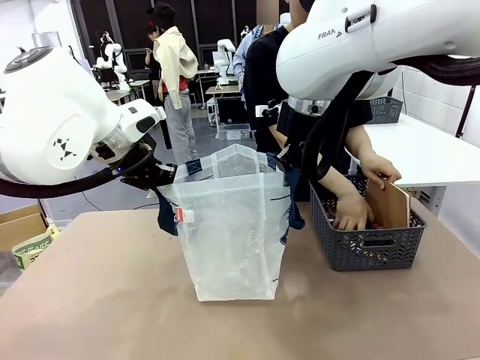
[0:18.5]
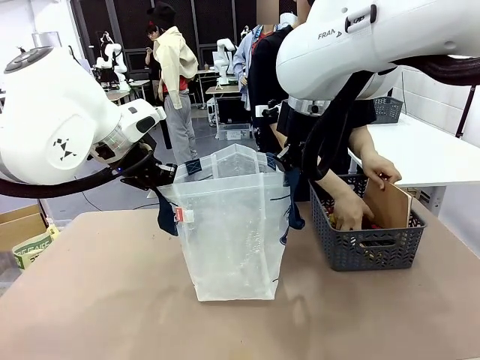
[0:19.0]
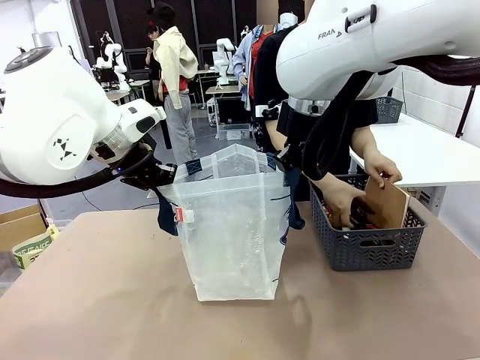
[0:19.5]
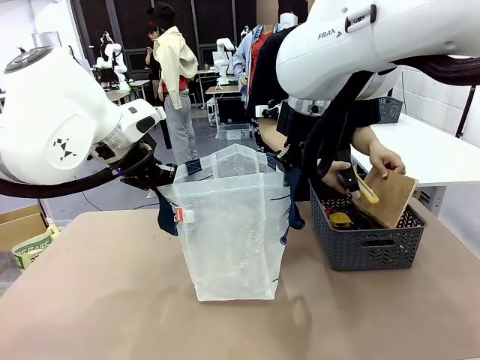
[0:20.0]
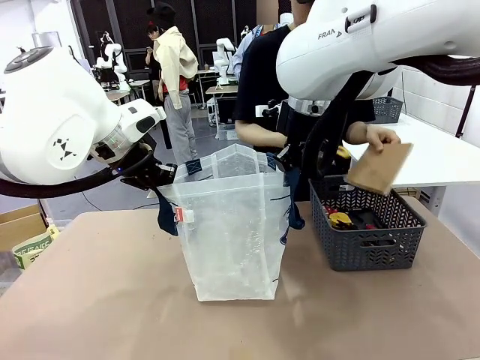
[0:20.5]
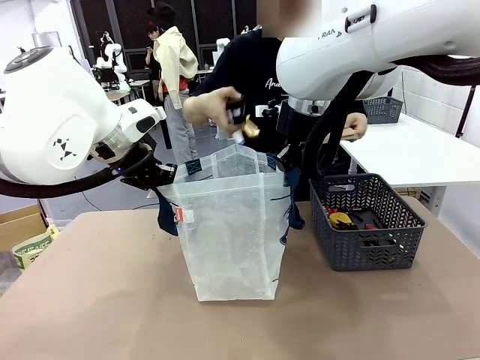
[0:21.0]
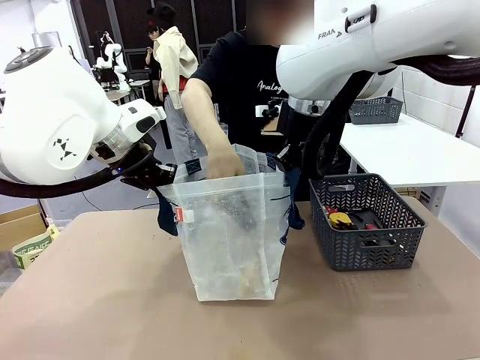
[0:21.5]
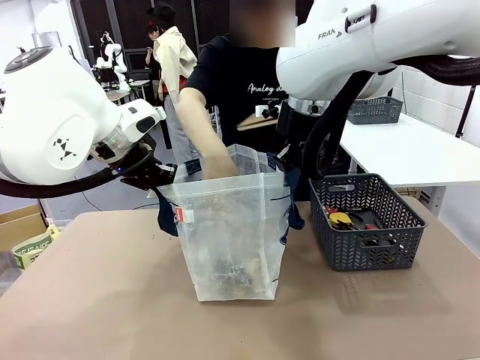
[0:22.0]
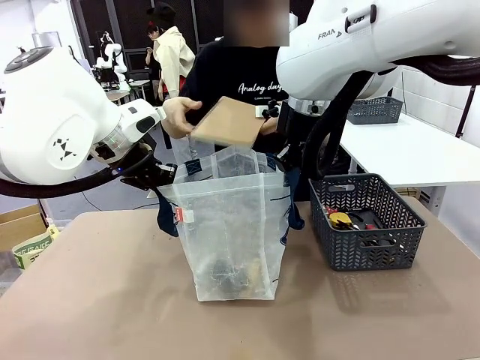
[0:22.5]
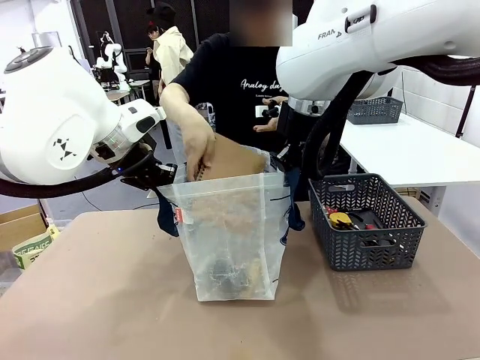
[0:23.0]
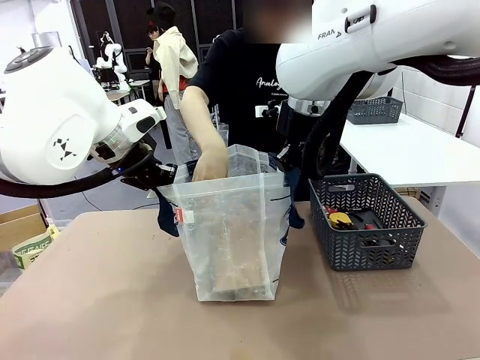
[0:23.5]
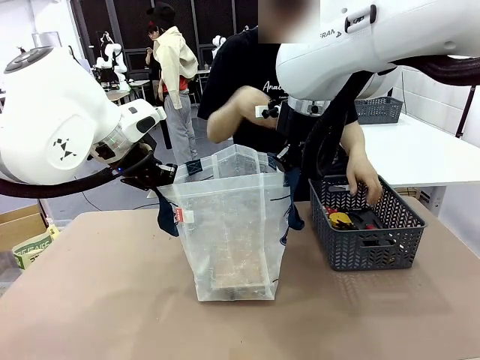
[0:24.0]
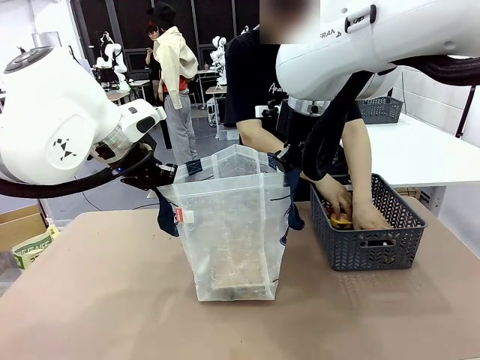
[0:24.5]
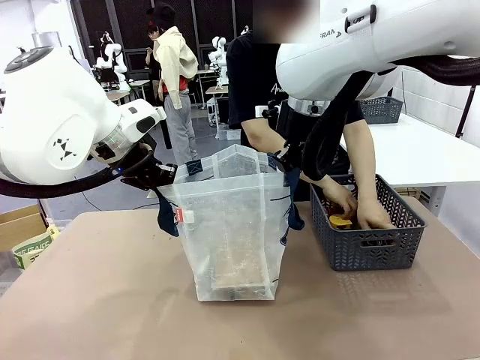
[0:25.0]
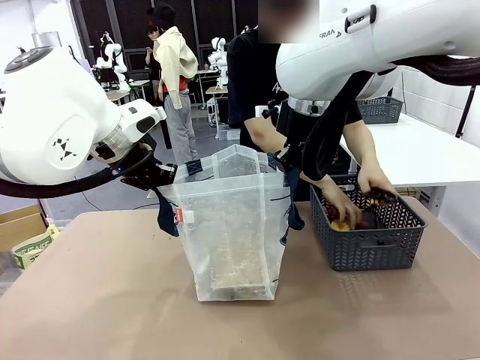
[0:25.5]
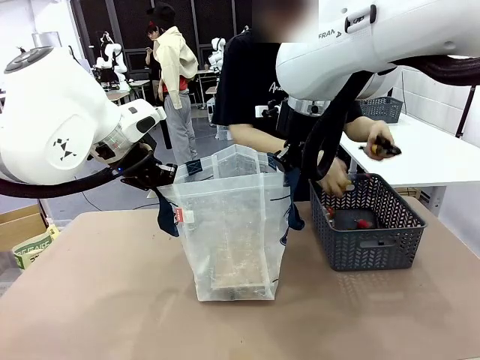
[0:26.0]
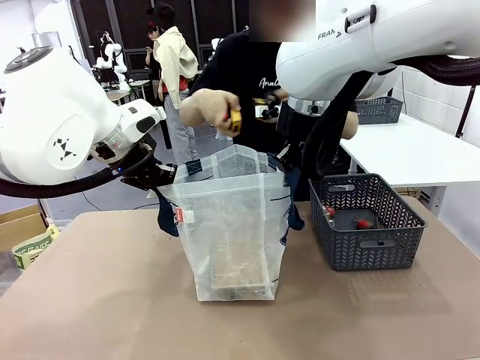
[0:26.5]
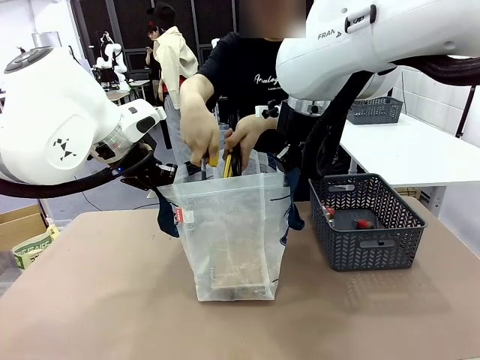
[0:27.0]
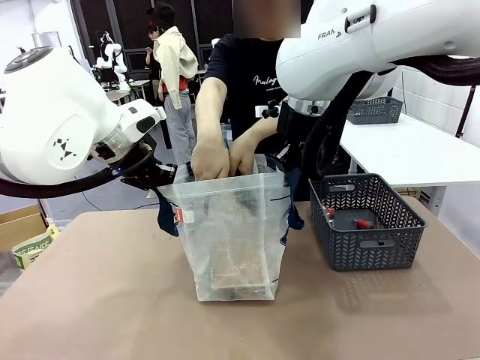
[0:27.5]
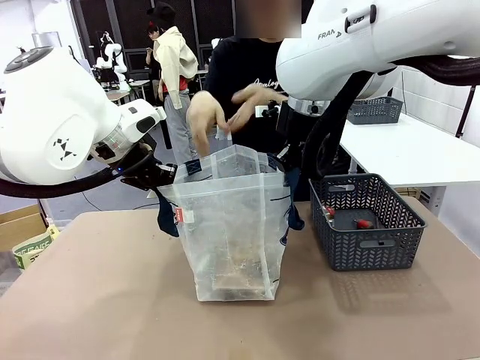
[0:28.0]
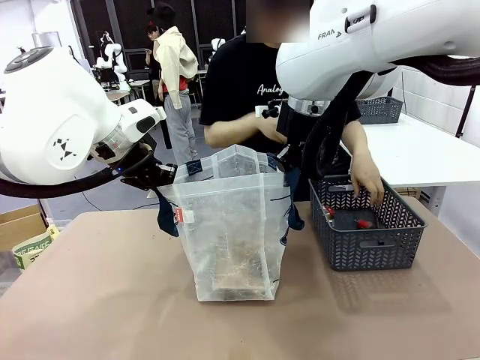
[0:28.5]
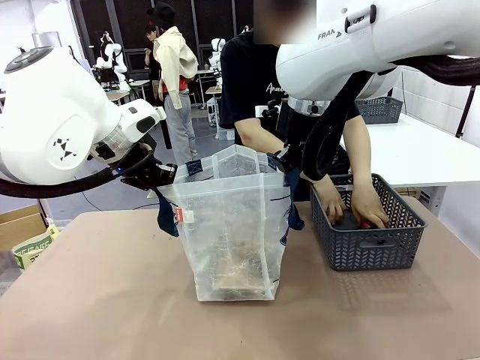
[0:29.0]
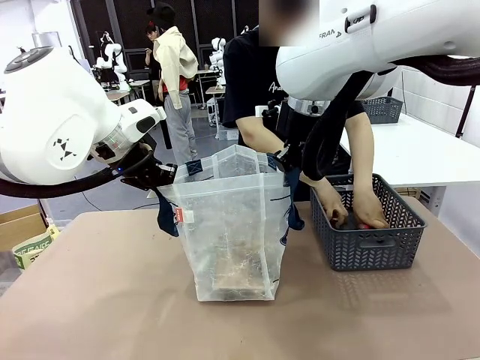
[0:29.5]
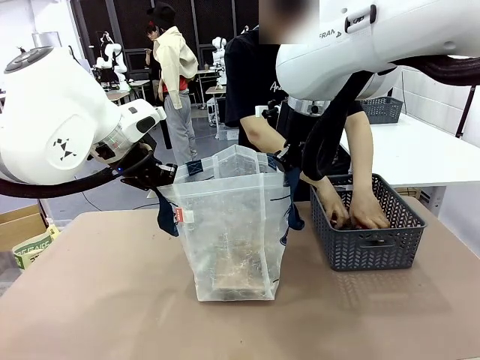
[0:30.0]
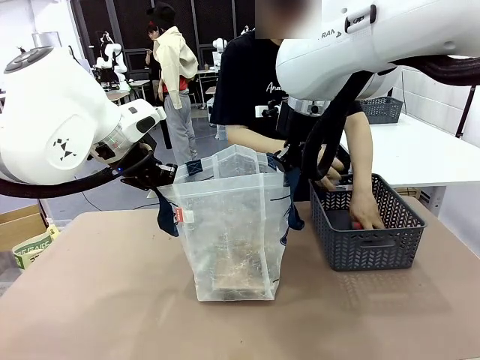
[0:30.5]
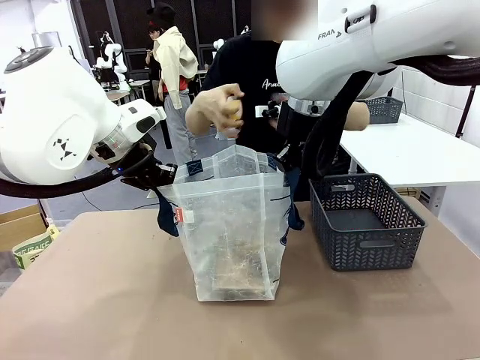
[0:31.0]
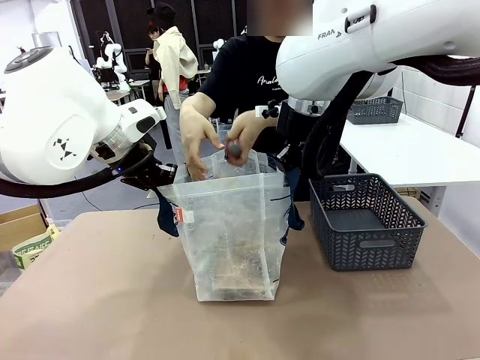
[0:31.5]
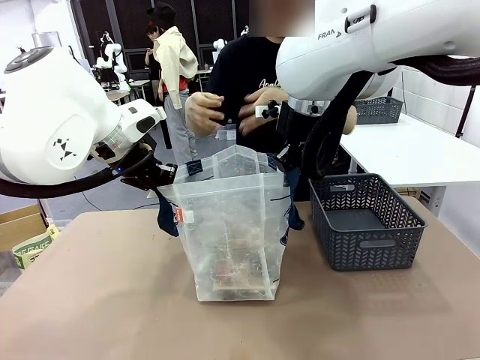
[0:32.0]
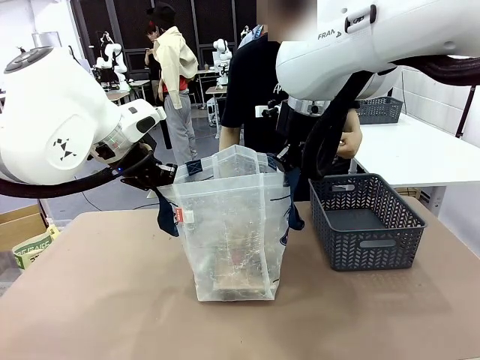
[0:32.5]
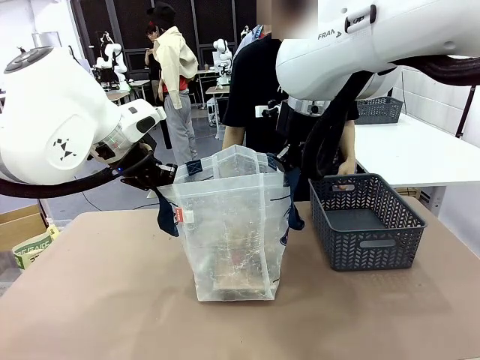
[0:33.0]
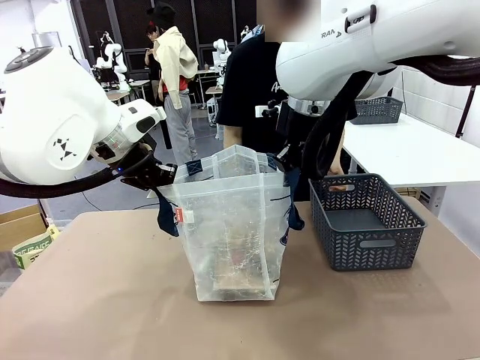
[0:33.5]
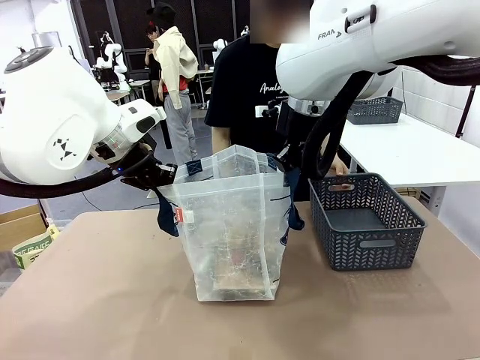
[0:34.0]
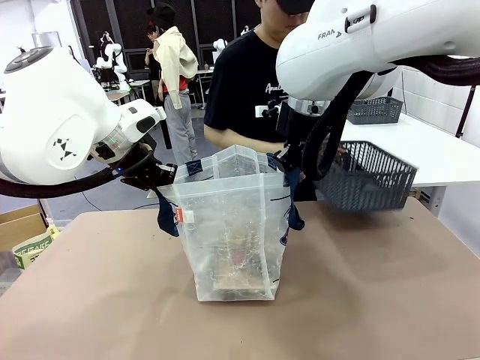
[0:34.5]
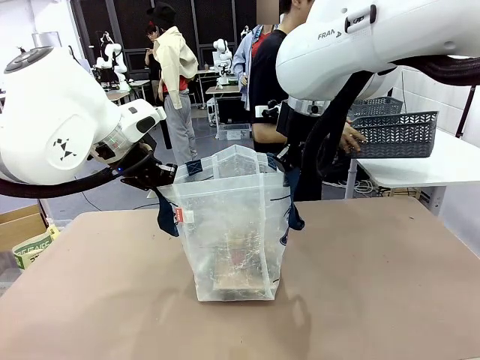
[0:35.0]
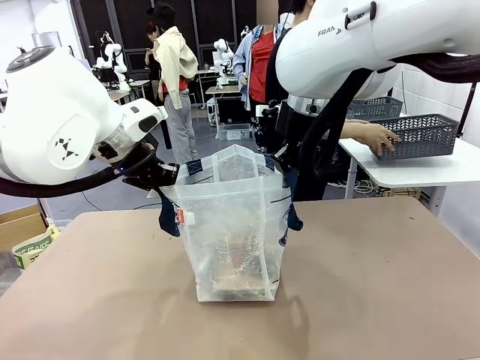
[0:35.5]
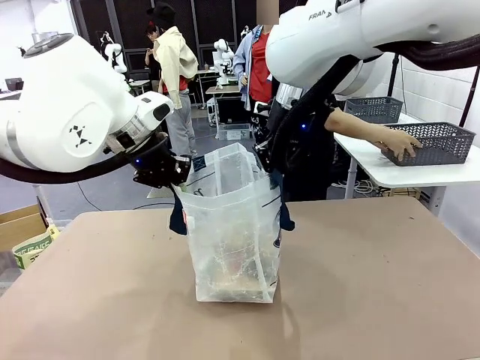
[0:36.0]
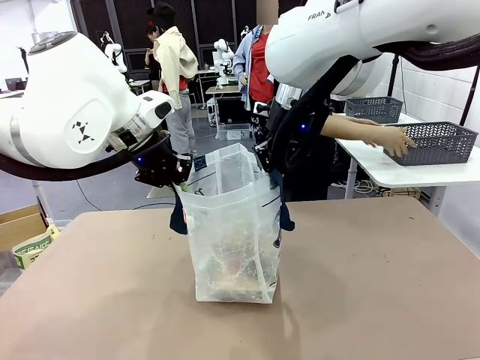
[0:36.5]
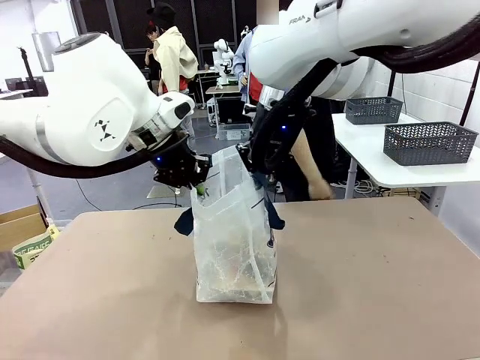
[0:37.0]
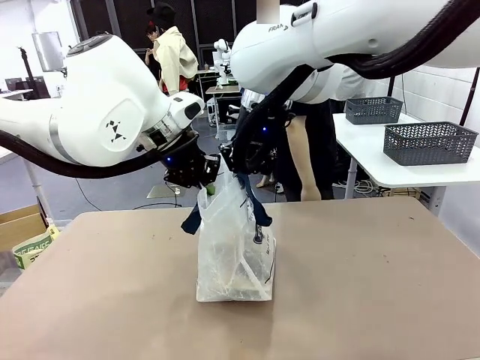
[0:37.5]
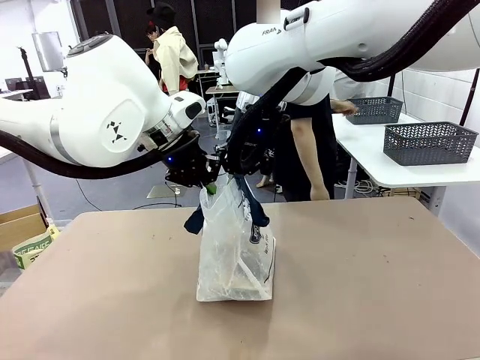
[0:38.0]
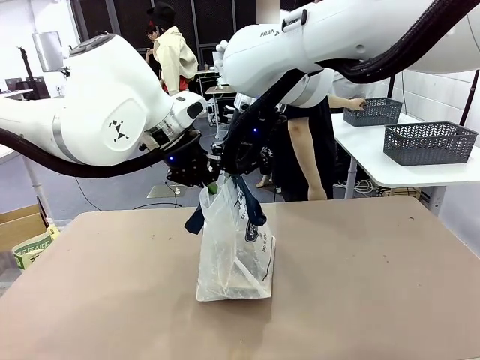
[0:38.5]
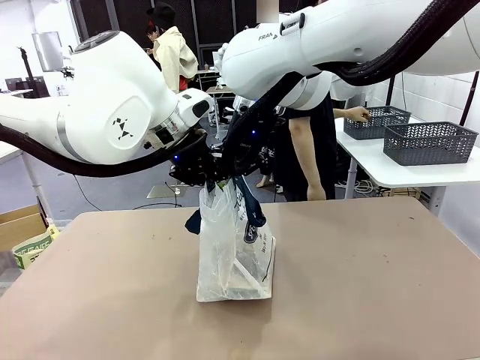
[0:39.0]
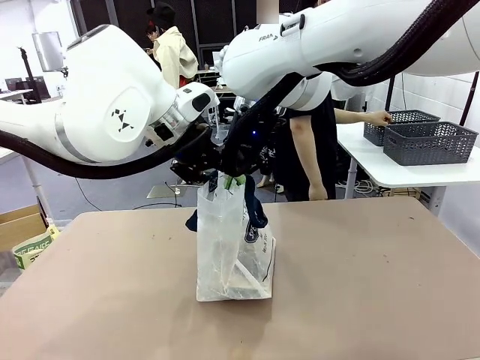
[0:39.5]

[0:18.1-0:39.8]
Task: Transfer purchased items from the store into the shopping bag.
Robot: Move the Reusable shopping bag to the right side of the table.
Person: Pick up the basket on the right, place it on the left side of the robot table, and move the items in the basket to the shopping bag. Pick up the basket with the items out and place it on the right side of the human table.
